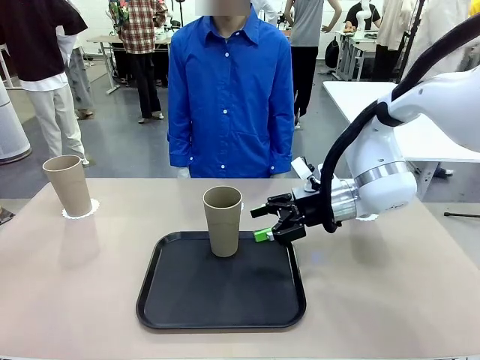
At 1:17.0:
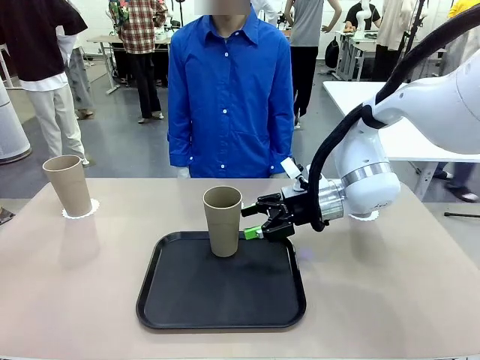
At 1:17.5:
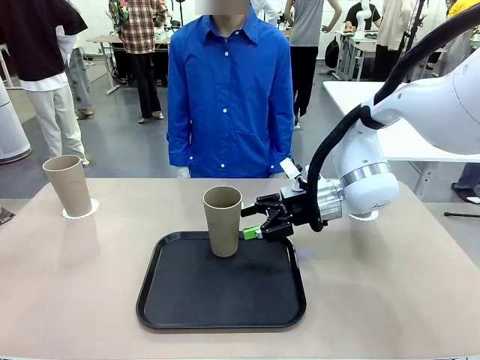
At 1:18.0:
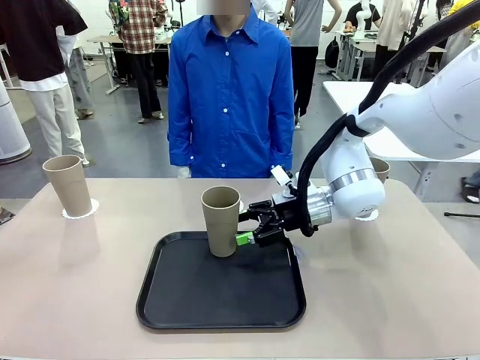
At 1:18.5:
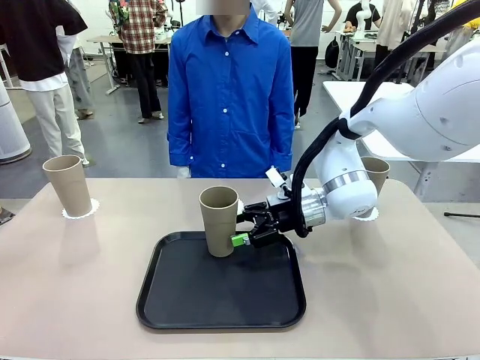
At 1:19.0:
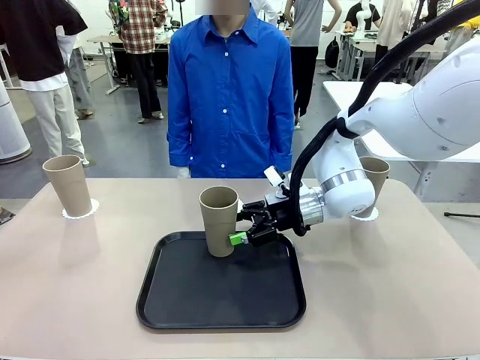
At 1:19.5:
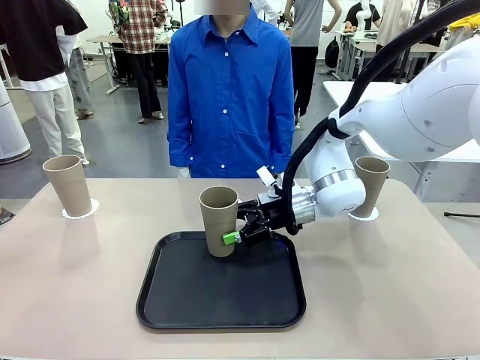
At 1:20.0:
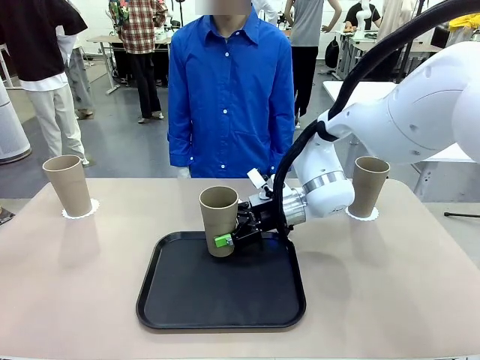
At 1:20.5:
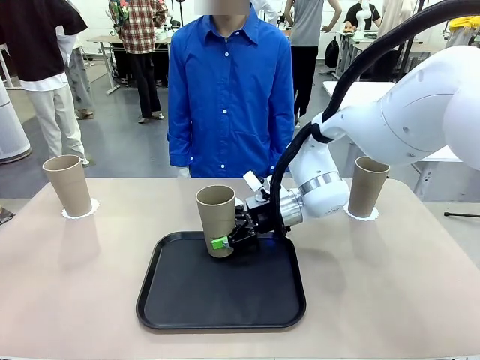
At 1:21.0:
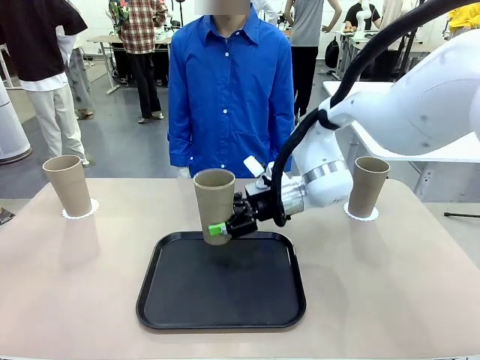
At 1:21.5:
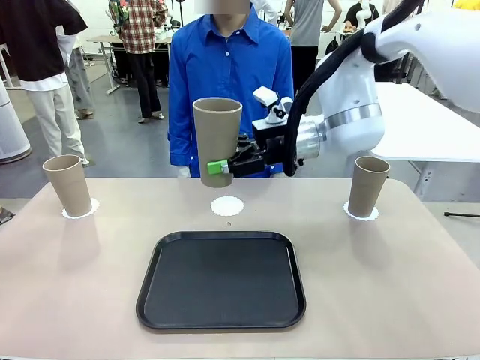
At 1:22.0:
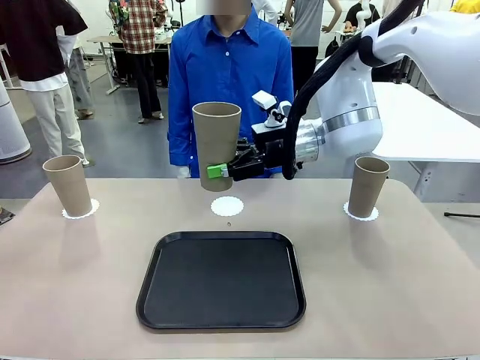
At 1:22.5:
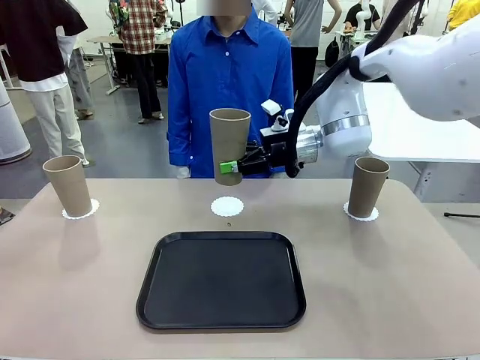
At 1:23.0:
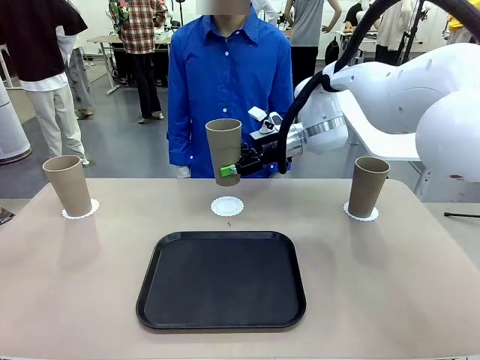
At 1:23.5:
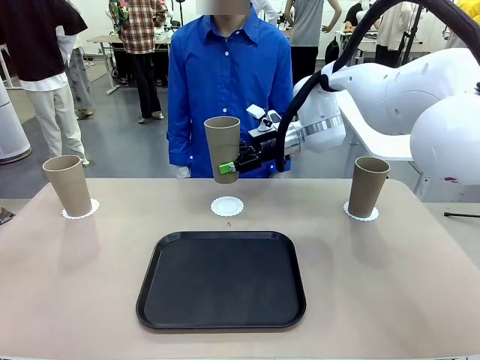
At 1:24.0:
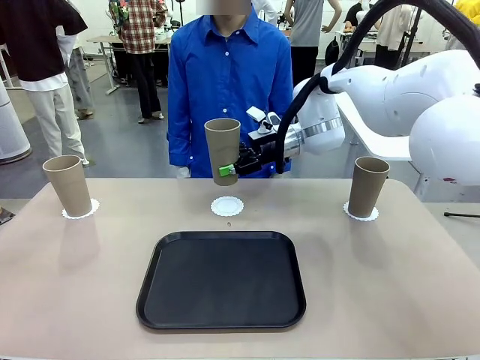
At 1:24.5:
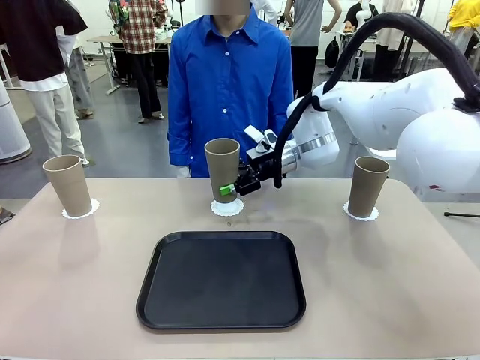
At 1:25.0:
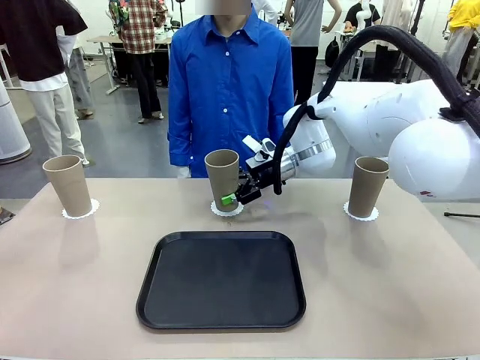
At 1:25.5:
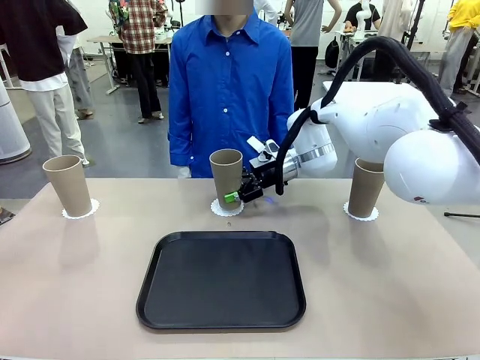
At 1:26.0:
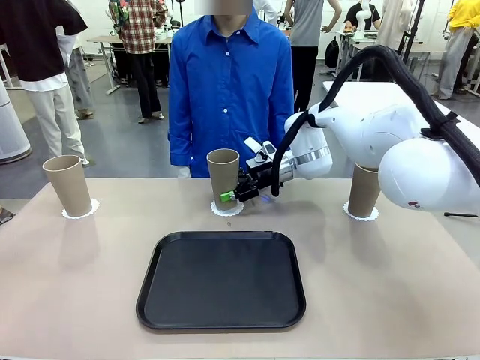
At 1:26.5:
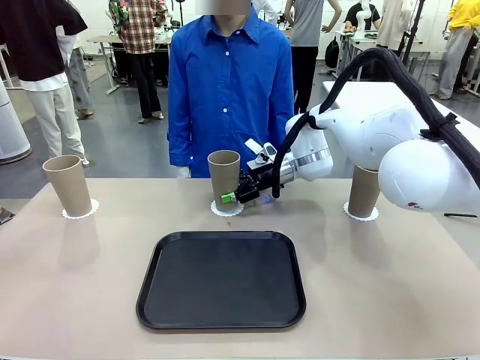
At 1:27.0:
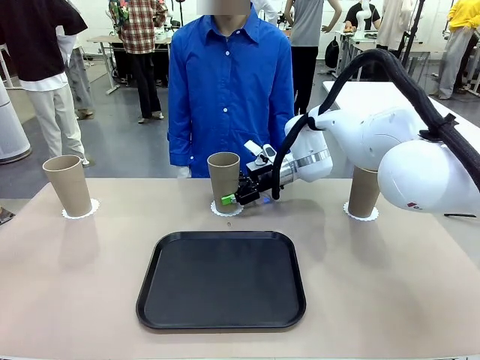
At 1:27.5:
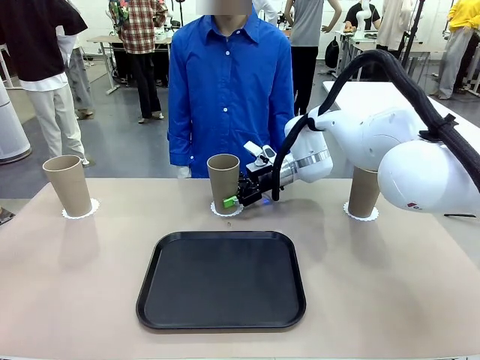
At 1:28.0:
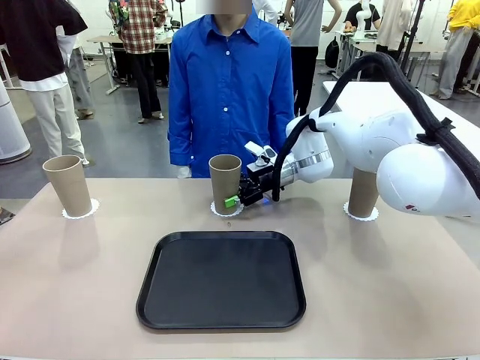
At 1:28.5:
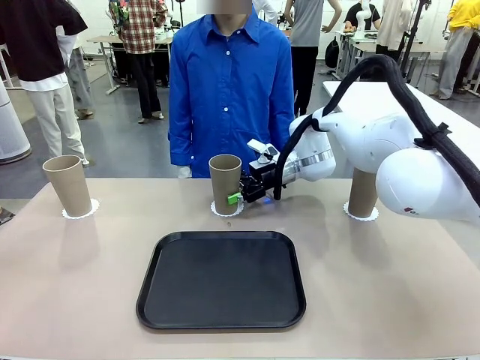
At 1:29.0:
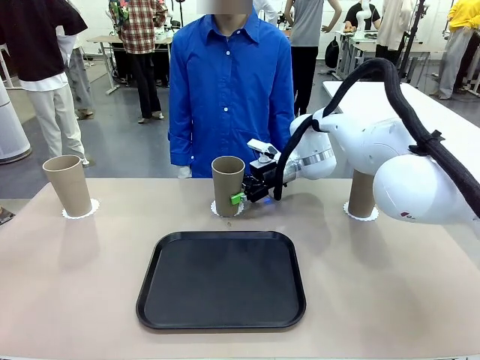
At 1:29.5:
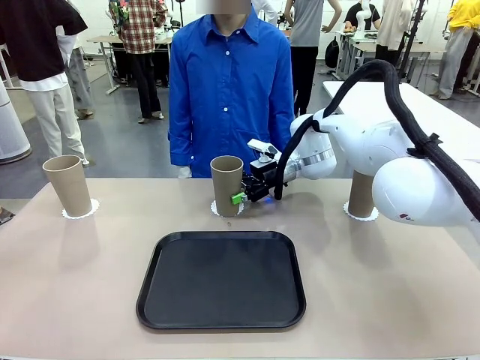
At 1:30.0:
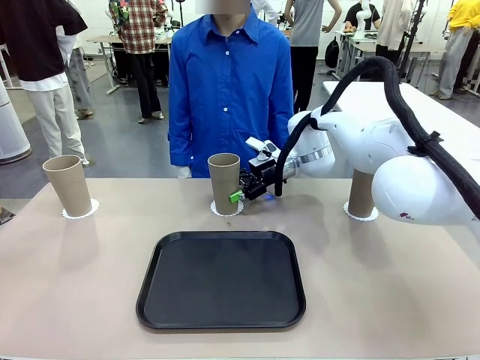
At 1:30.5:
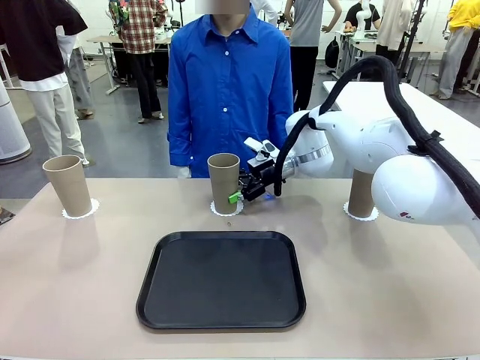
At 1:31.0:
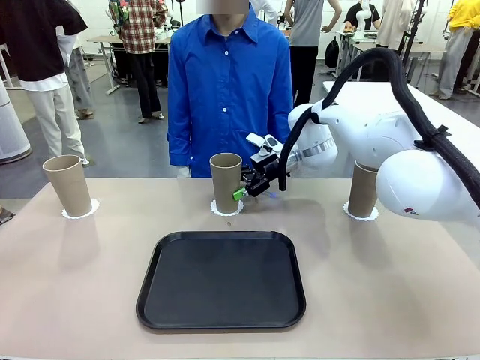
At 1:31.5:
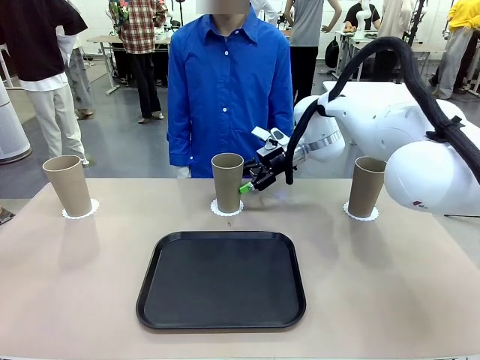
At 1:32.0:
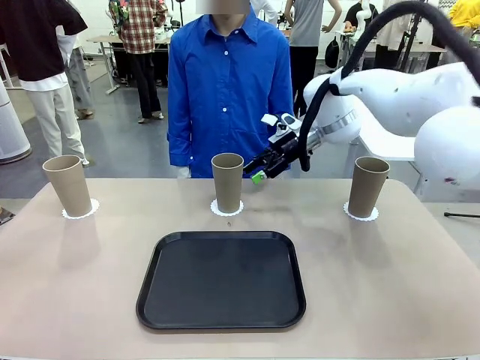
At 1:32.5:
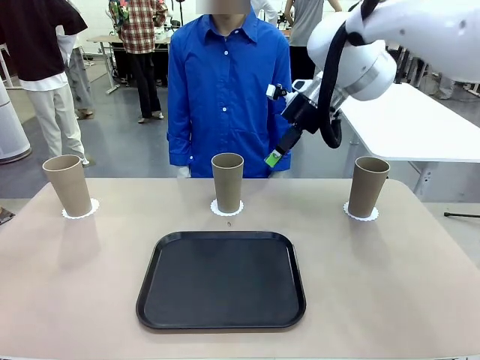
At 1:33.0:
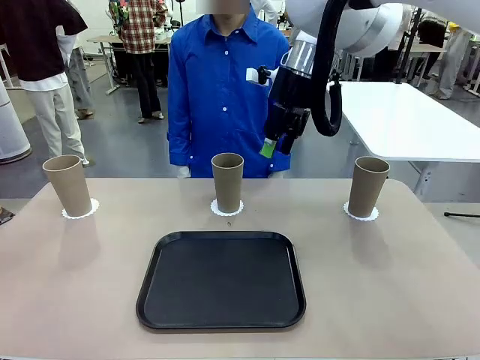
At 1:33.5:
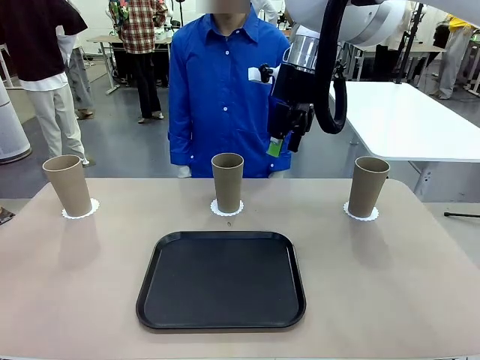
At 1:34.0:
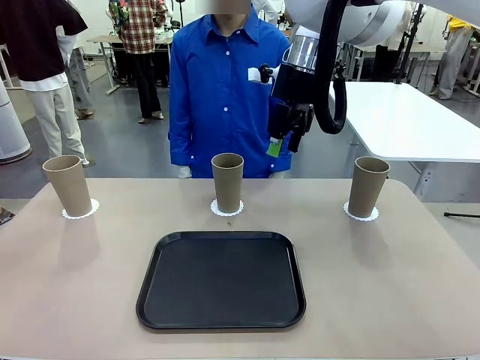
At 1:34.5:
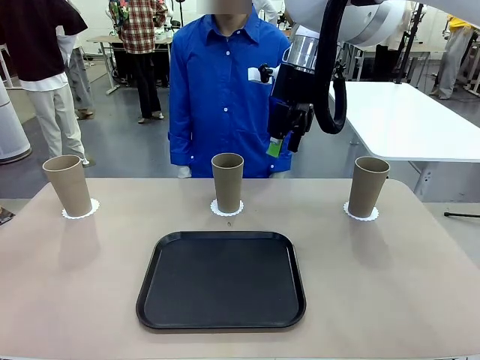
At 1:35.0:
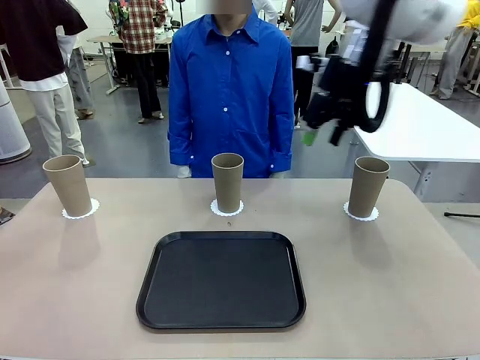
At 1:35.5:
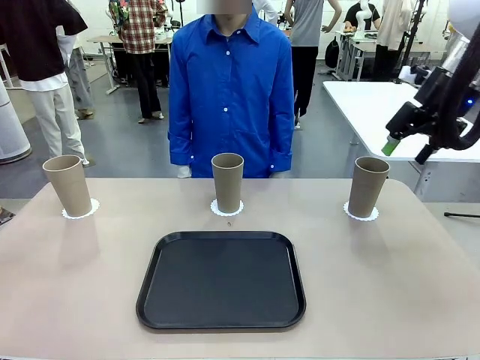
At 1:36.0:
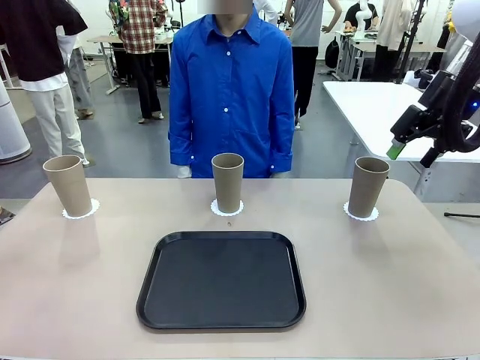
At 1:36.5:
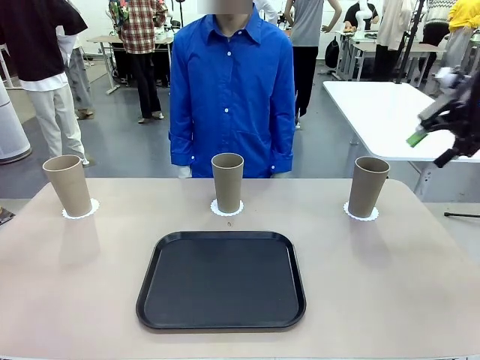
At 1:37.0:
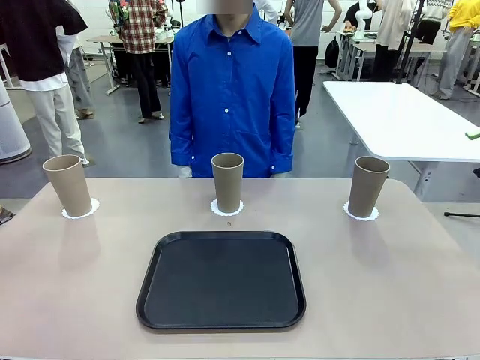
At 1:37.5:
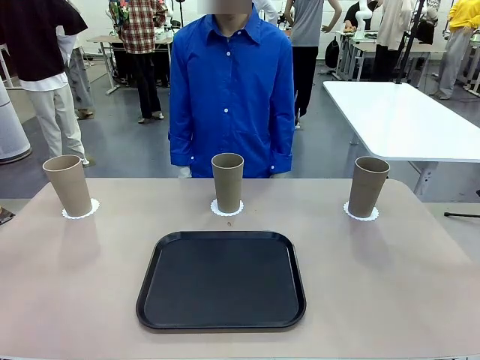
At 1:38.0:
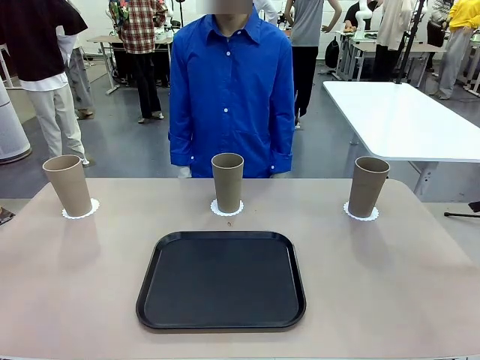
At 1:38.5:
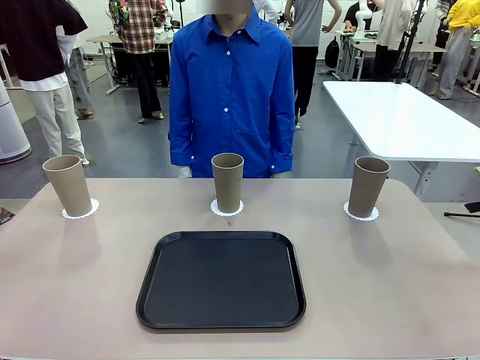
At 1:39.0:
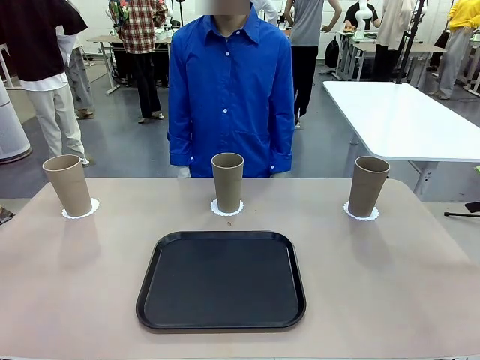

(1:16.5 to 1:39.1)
Task: Place coasters on the table and set cups on them.
Robot: Take one Reusable plastic cup from the Flat Tray and place it on a coaster set by the human.

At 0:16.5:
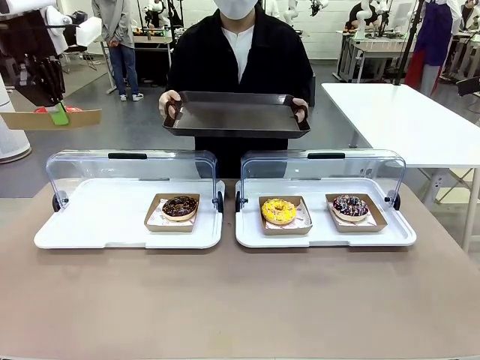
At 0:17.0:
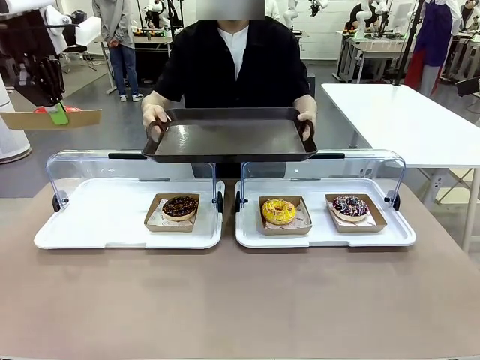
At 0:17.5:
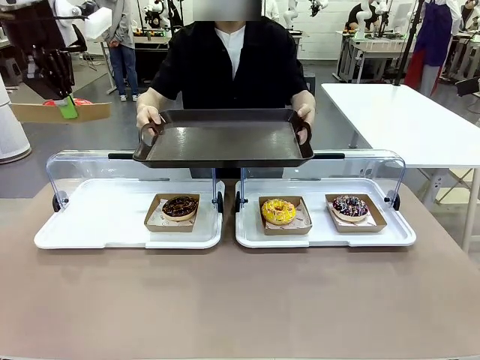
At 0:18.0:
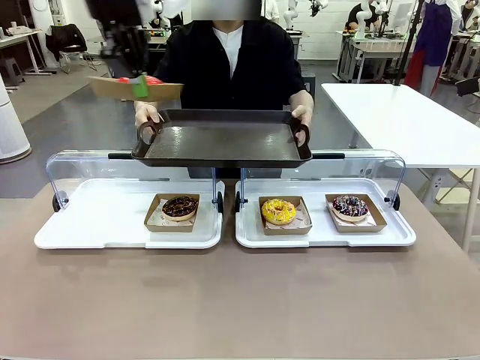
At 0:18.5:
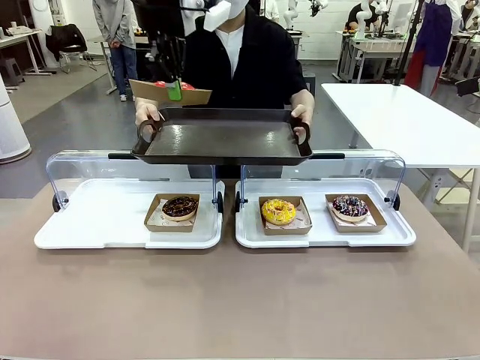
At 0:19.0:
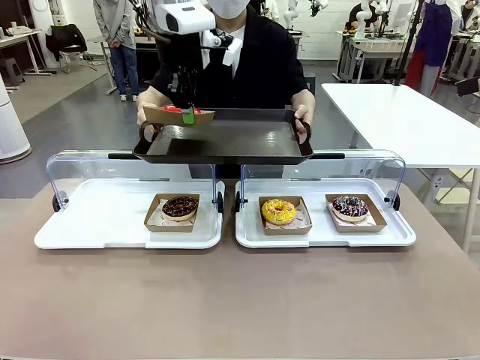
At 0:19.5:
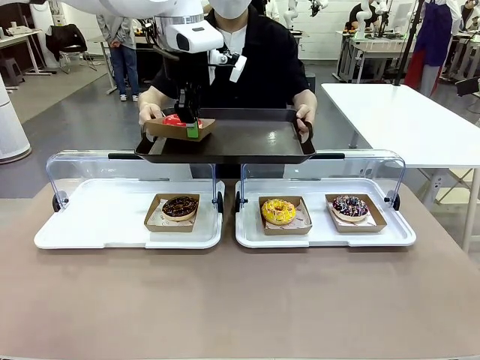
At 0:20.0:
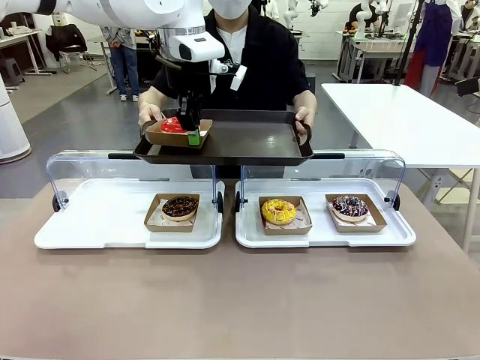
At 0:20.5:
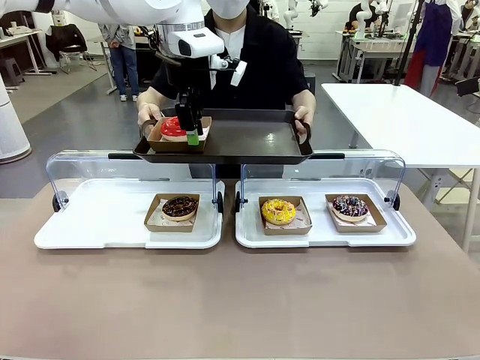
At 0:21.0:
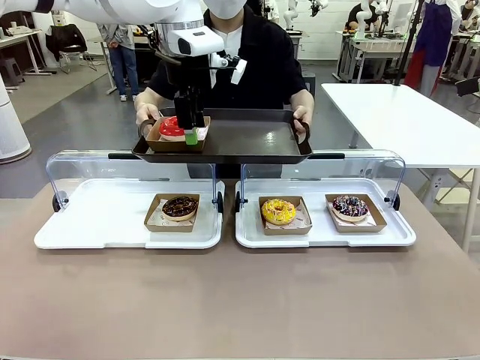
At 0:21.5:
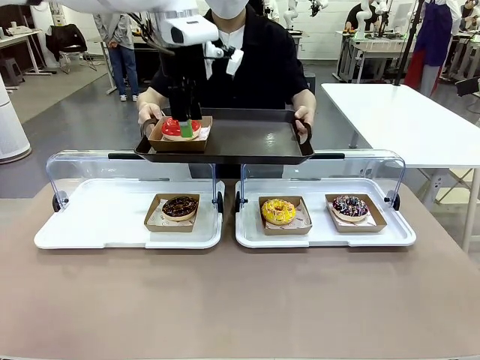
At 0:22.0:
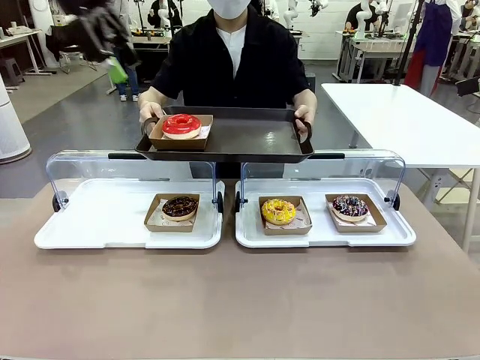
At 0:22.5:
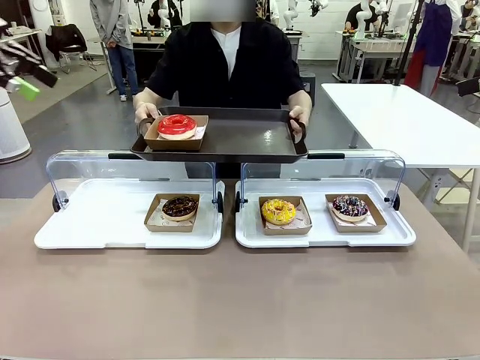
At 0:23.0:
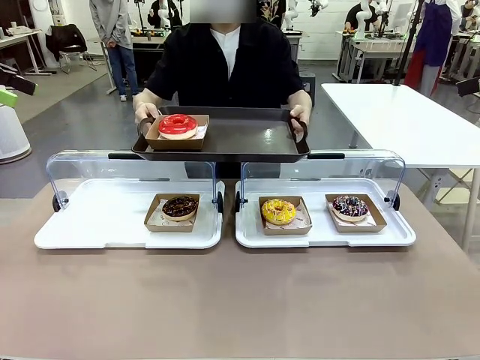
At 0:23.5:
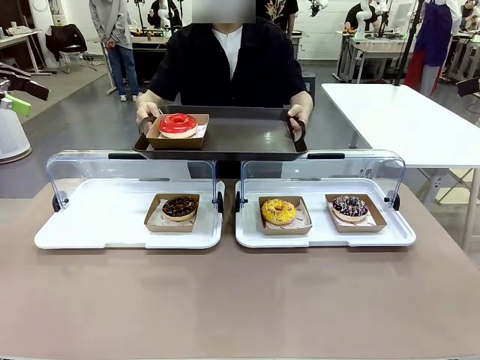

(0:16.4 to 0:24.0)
Task: Provide the desired donut to the person.
Robot: Place the picked Paper togo box onto the Handle tray extended by the person.
